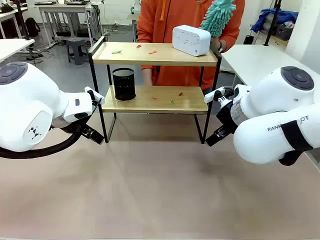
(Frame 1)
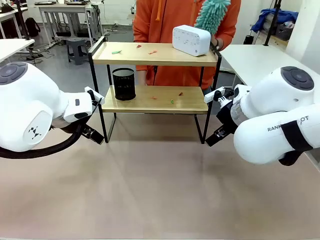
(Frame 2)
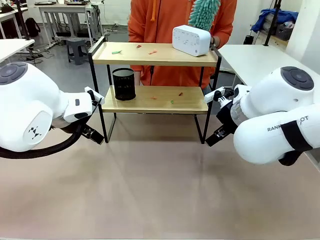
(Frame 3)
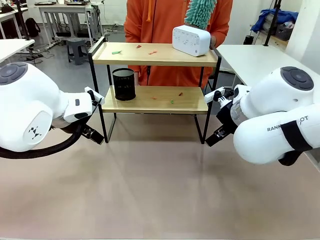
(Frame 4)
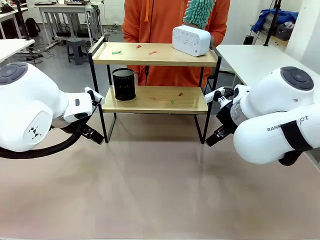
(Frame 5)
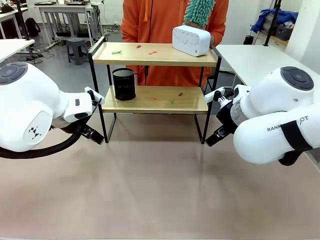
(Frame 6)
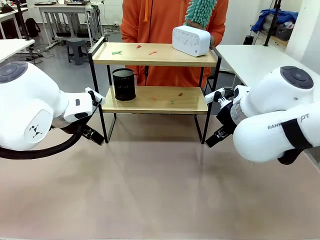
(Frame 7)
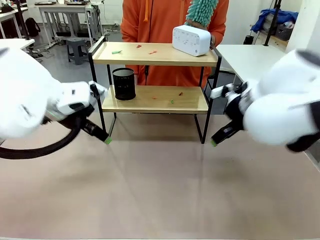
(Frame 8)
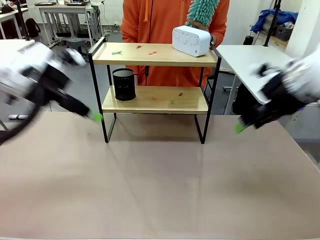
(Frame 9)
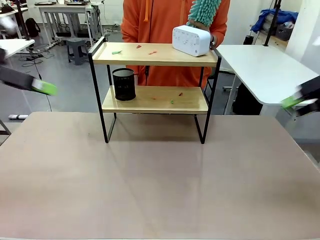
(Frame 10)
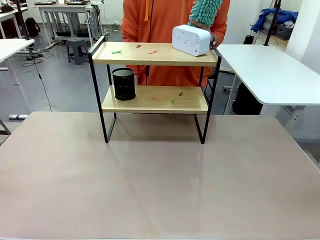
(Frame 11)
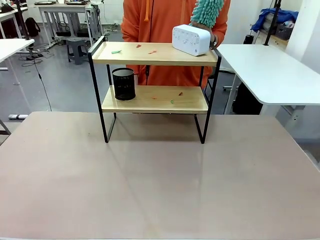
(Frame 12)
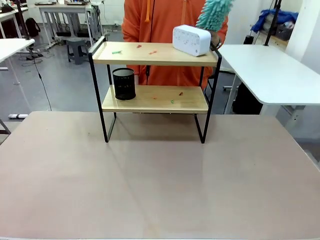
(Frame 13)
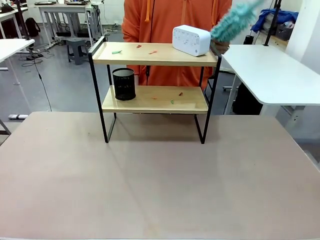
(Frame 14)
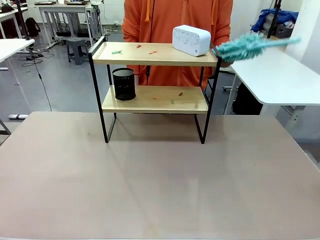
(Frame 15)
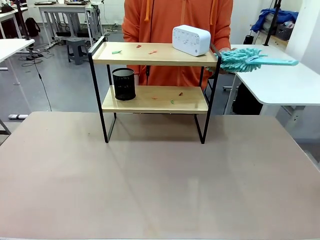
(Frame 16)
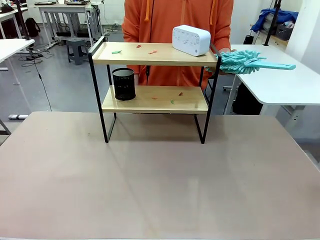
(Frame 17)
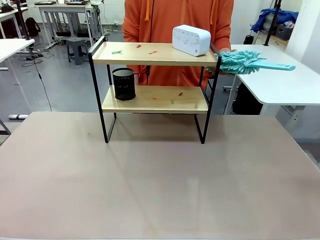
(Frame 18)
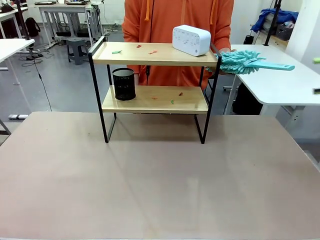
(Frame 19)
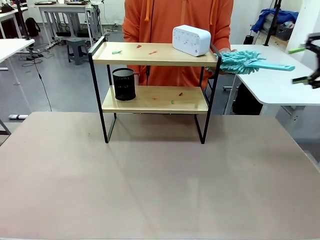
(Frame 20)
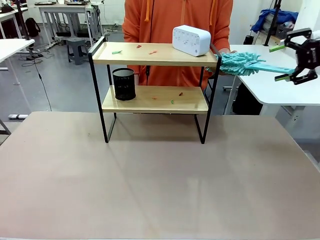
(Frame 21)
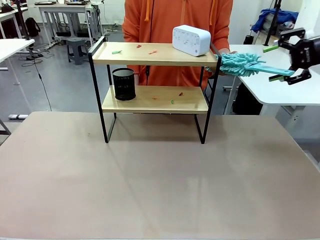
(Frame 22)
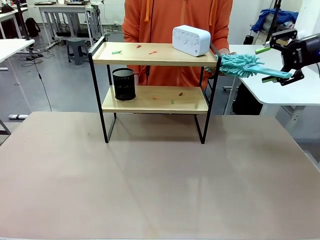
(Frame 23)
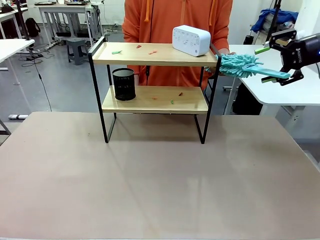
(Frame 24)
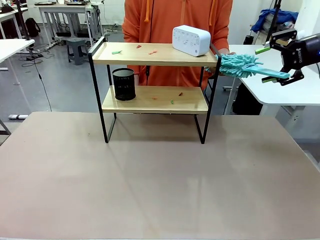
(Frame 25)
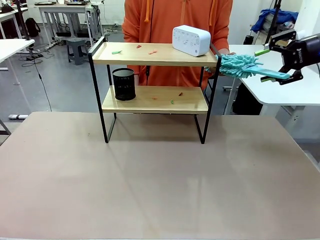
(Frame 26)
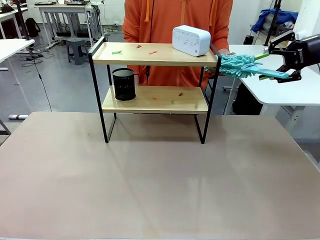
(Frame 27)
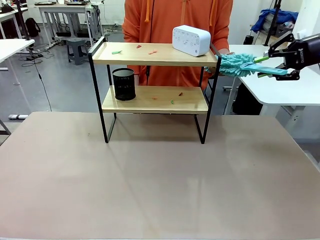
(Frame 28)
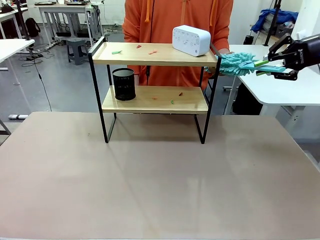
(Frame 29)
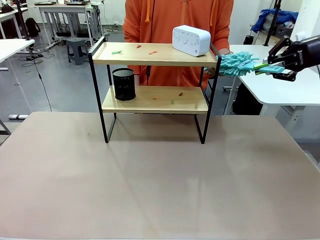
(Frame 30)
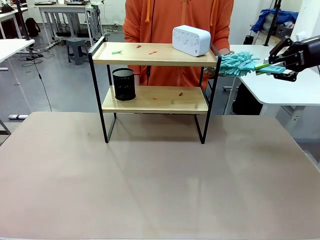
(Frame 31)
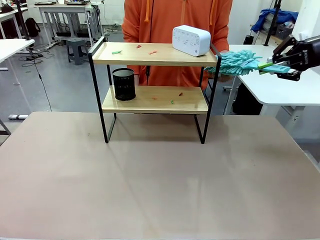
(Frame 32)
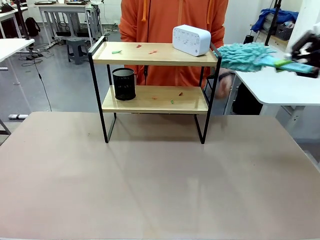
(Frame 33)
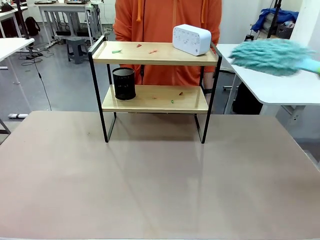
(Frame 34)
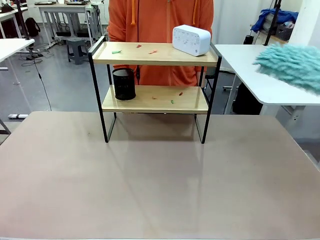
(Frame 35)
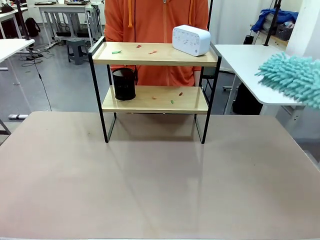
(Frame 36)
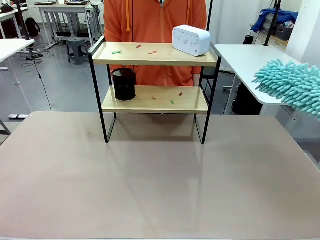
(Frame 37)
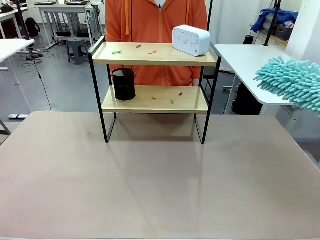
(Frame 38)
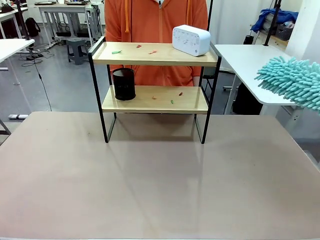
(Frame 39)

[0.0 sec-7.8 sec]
Task: Clean the shelf.
Robot: Pick up the Duster from the human.
Person: Hand the Duster to the robot.

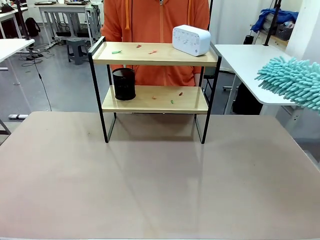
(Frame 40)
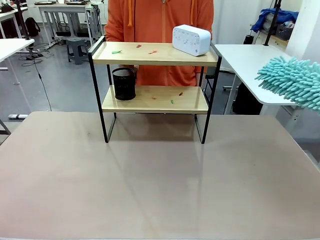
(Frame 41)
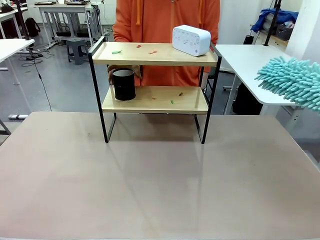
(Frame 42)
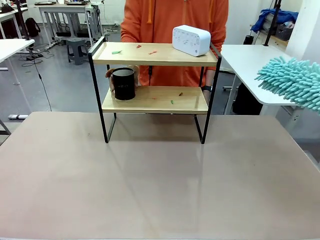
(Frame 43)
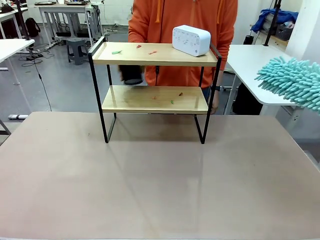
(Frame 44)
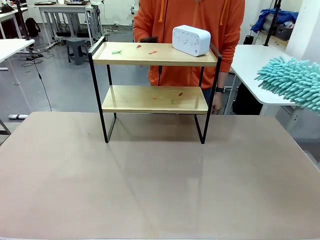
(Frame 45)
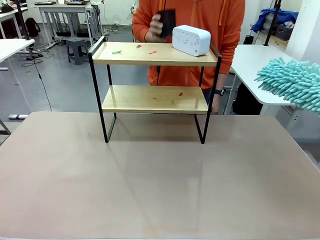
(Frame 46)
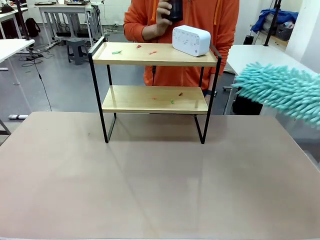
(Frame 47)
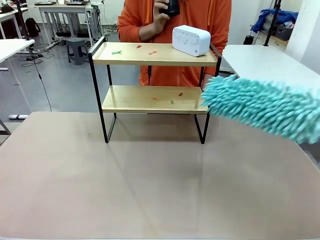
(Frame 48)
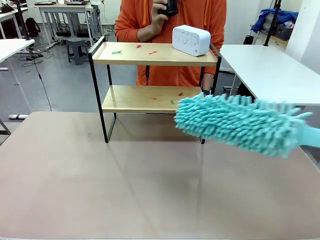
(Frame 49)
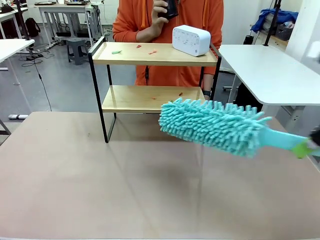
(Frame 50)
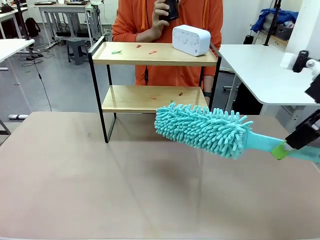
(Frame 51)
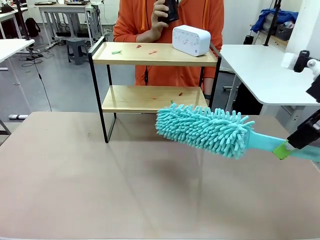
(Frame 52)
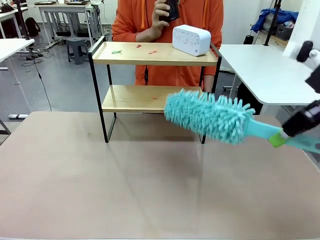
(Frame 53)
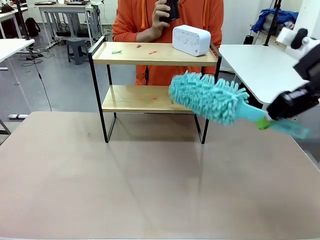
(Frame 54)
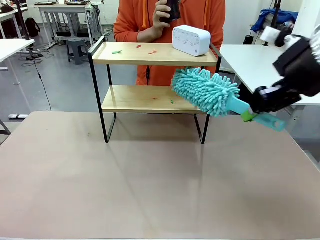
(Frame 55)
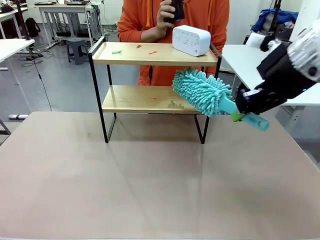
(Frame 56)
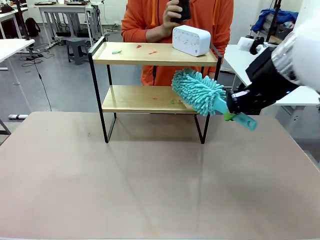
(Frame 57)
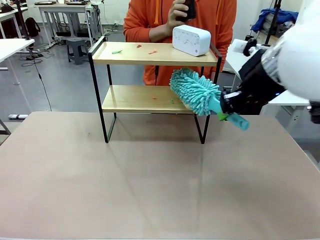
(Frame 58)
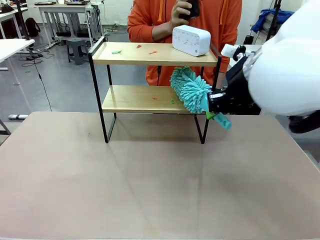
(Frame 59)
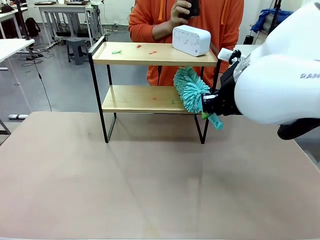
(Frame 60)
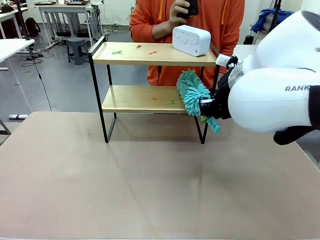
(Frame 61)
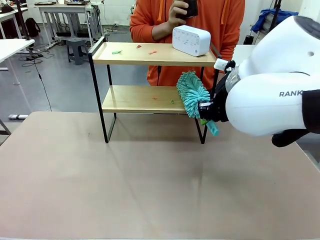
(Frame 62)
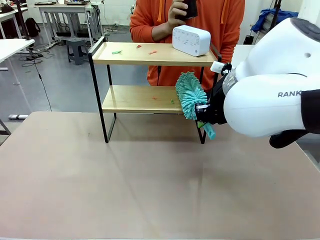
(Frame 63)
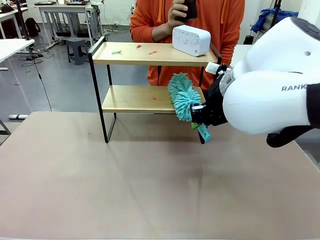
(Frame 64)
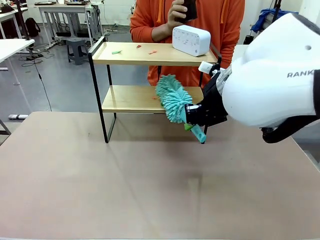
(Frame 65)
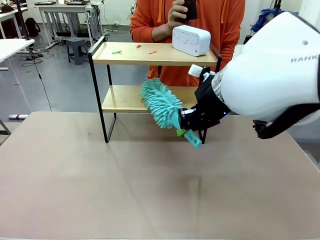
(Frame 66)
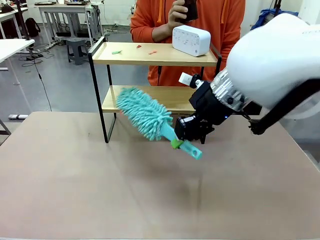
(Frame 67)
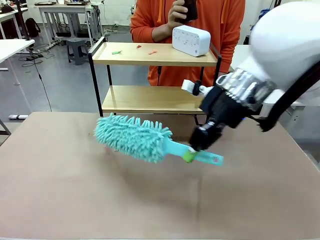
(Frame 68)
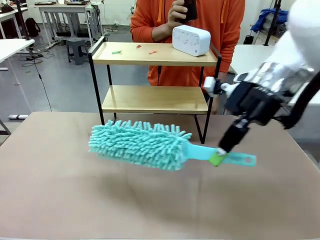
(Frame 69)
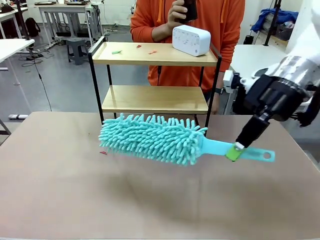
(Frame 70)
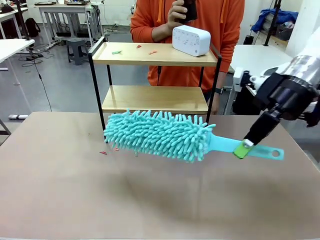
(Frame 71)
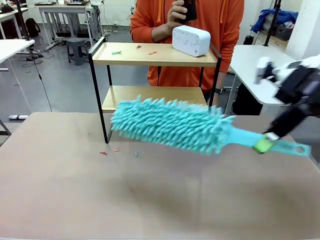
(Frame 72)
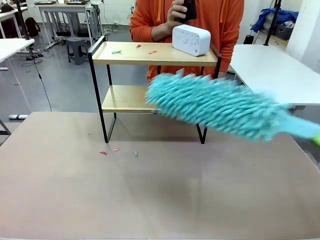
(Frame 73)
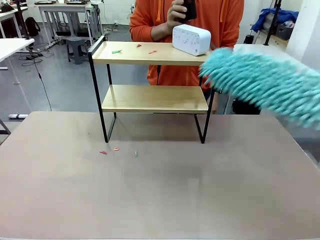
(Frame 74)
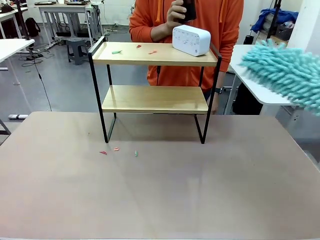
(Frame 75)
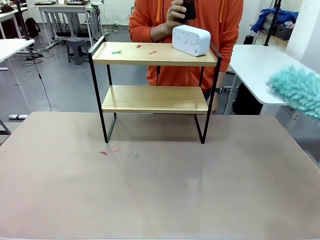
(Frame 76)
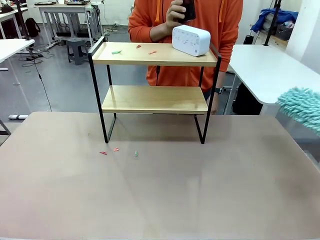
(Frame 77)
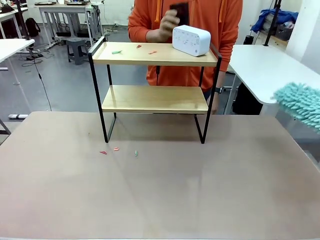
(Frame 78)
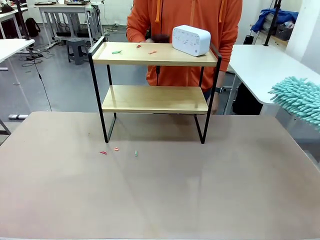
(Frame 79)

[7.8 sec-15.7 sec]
Robot: Clean the specific tier of the Shelf with the Duster once objects are removed.
Person: Lift the objects on a randomly selected tier of the Shelf. Once the robot finishes cleaning, lift the objects on the remaining tiers of the Shelf.

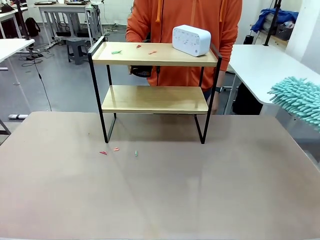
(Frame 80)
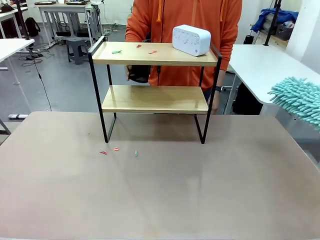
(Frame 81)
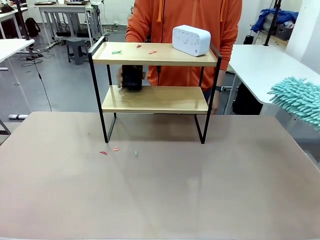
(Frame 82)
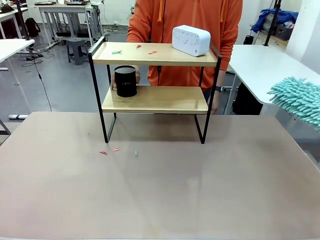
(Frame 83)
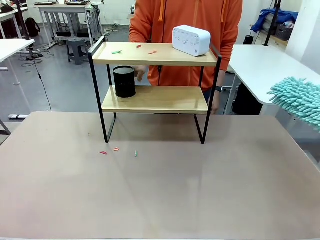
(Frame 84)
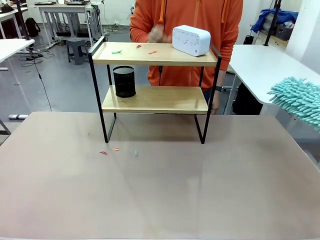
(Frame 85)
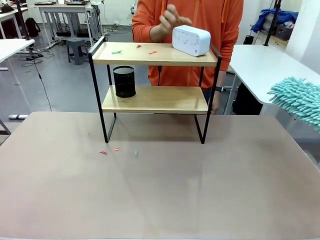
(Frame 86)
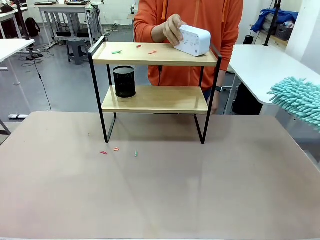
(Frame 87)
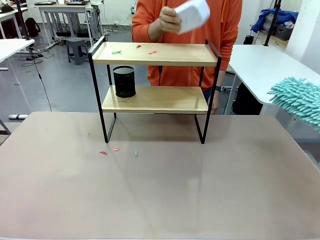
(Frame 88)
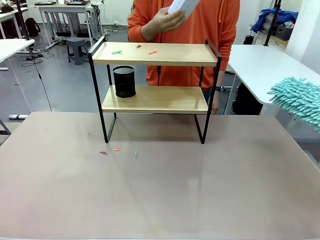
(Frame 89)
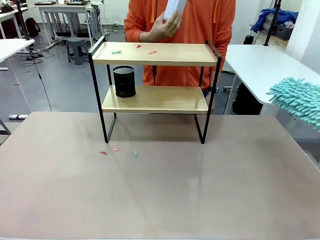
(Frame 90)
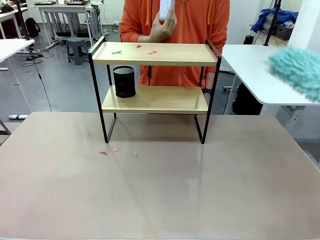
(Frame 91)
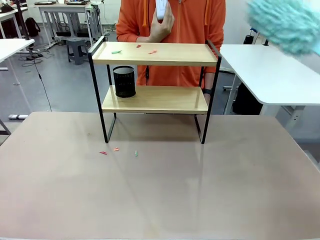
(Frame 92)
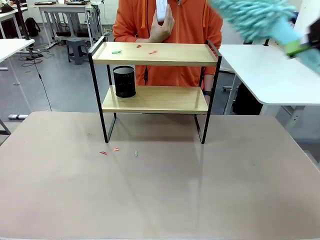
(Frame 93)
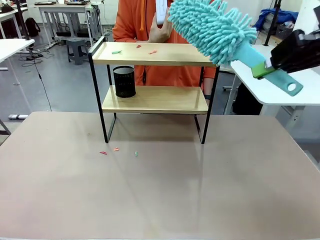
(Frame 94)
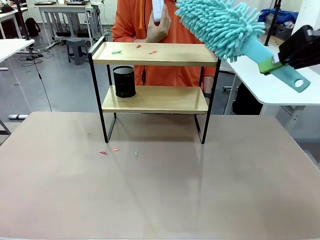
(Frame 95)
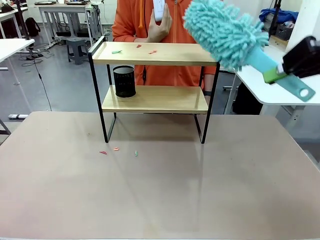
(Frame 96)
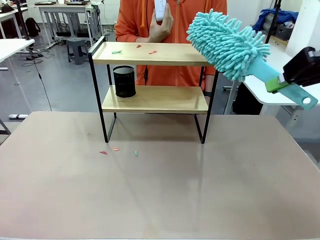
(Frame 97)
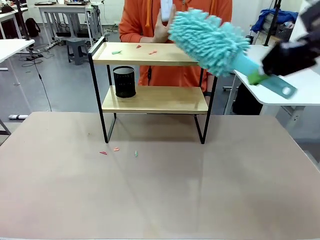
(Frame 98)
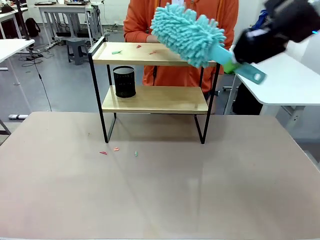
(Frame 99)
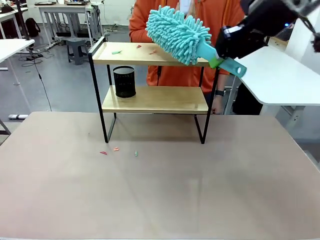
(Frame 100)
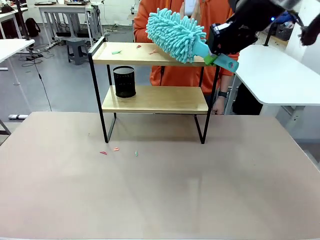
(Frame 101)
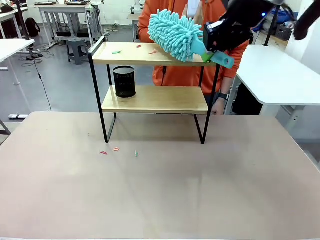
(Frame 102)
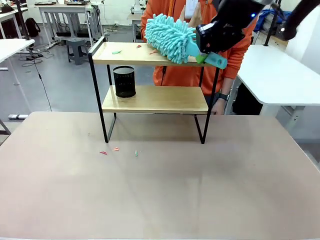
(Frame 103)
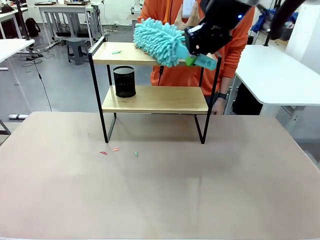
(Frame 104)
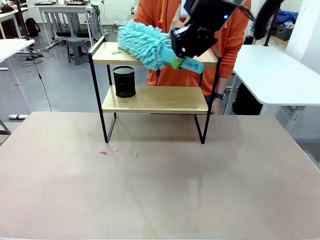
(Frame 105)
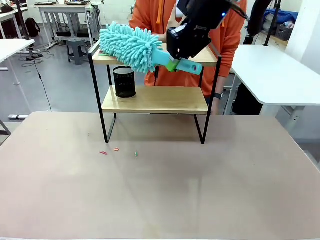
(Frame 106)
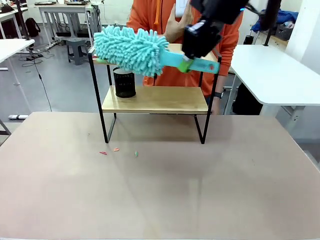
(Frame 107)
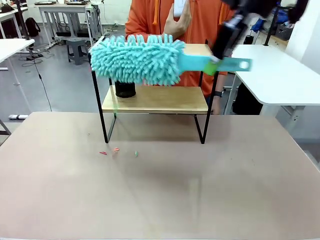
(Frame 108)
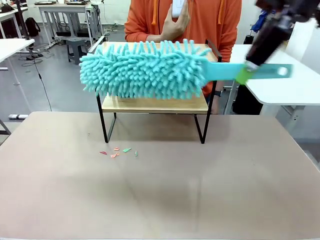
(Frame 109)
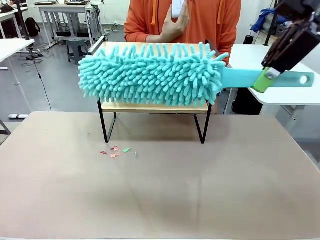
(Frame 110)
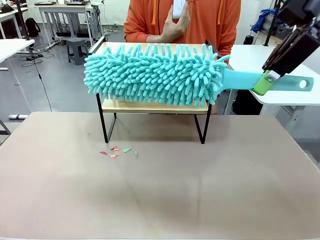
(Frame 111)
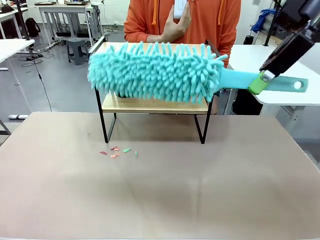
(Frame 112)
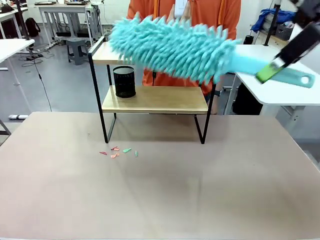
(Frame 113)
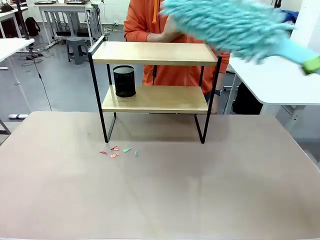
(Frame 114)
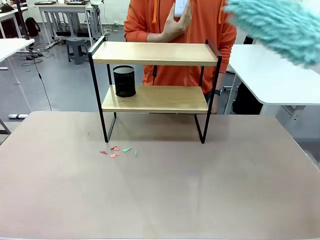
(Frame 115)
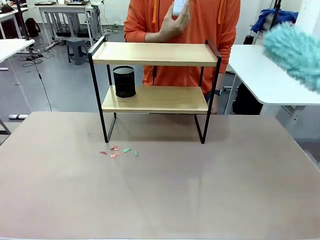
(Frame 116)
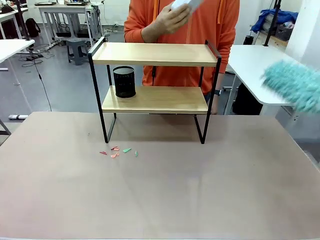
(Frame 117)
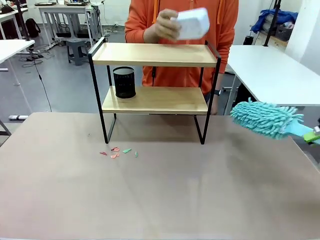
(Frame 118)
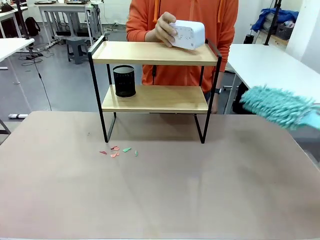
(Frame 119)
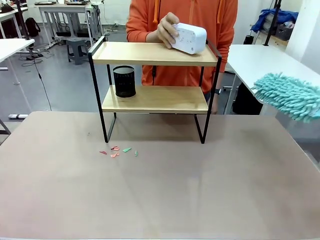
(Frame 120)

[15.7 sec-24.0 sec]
Robot: Clean the remaining tier of the Shelf with the Duster once objects are removed.
